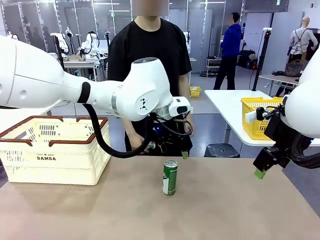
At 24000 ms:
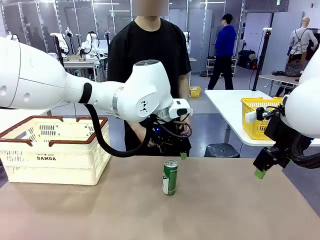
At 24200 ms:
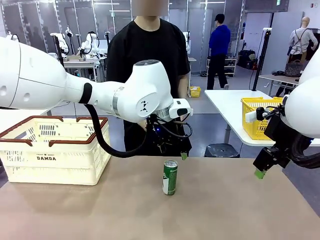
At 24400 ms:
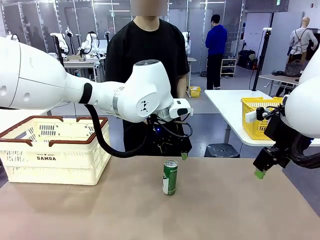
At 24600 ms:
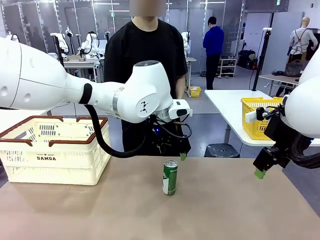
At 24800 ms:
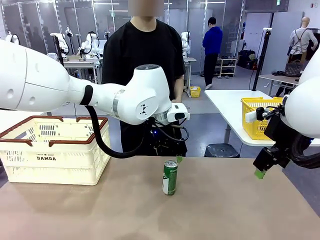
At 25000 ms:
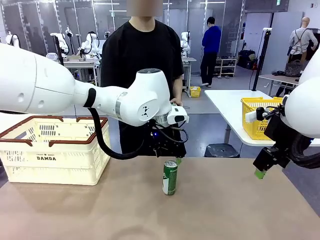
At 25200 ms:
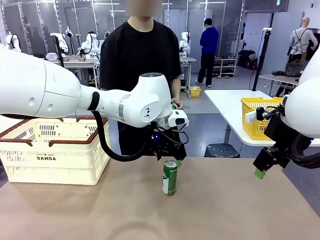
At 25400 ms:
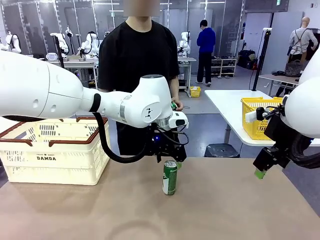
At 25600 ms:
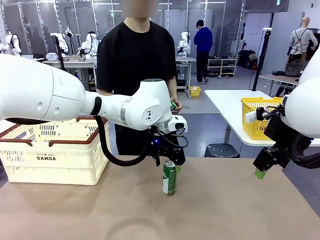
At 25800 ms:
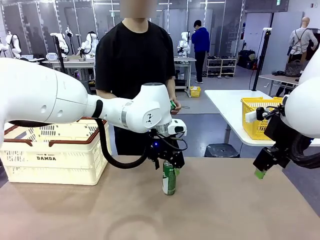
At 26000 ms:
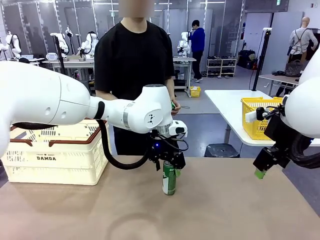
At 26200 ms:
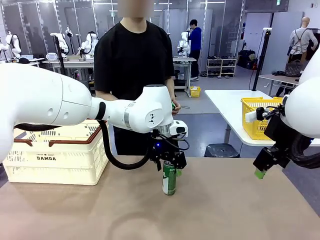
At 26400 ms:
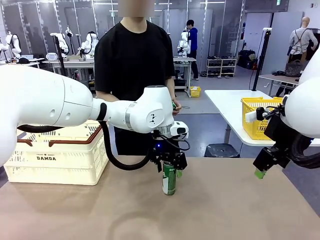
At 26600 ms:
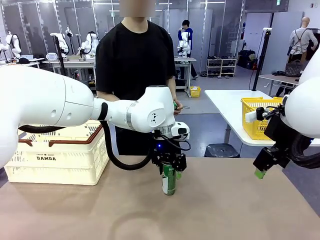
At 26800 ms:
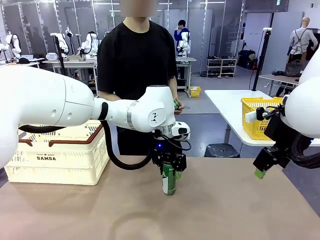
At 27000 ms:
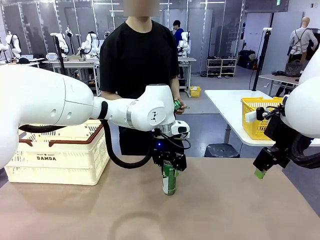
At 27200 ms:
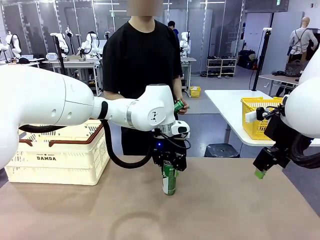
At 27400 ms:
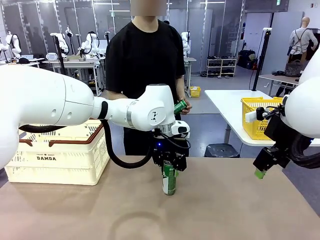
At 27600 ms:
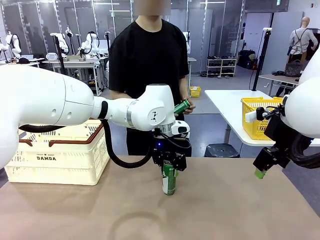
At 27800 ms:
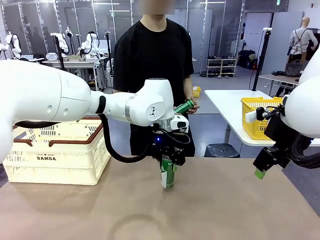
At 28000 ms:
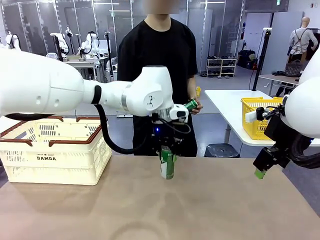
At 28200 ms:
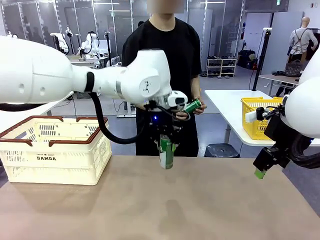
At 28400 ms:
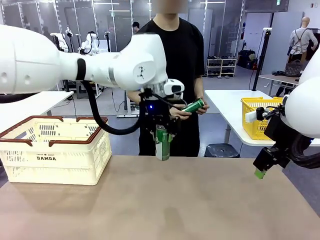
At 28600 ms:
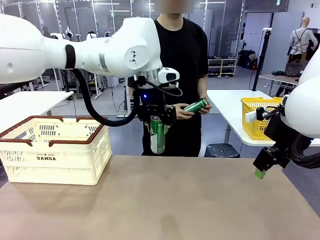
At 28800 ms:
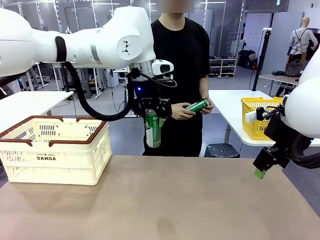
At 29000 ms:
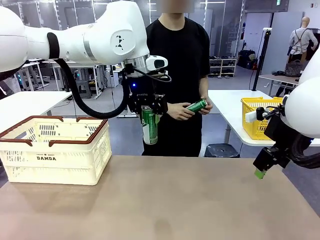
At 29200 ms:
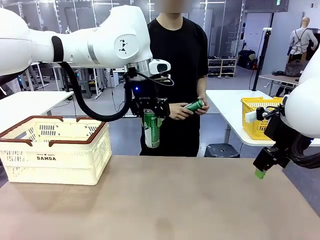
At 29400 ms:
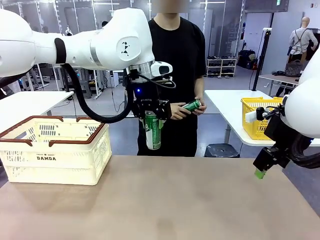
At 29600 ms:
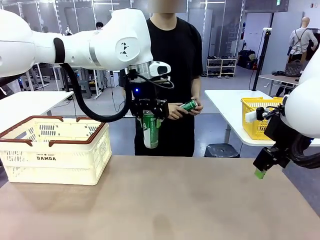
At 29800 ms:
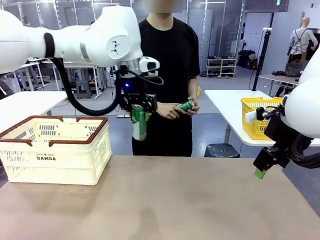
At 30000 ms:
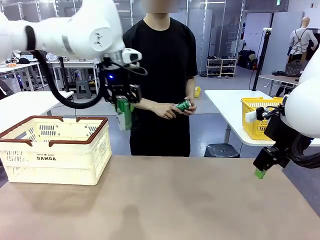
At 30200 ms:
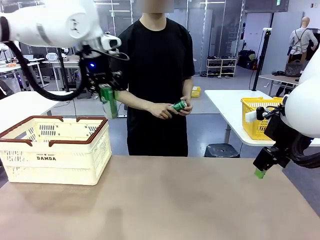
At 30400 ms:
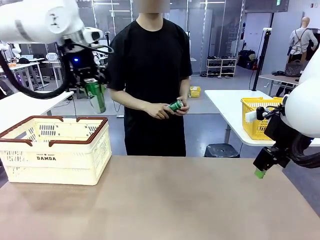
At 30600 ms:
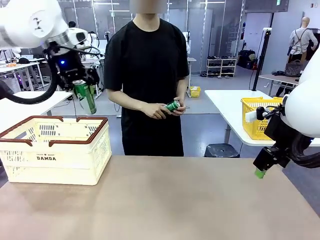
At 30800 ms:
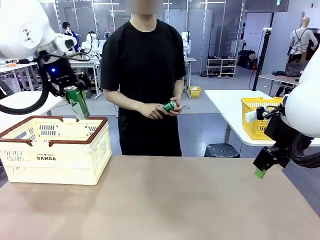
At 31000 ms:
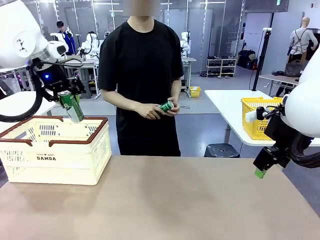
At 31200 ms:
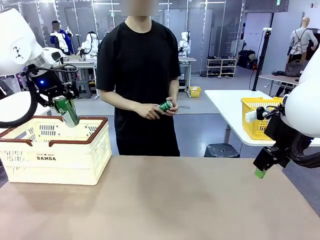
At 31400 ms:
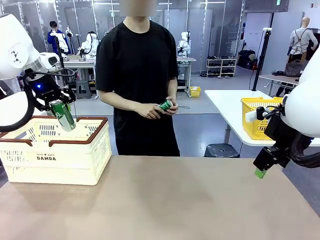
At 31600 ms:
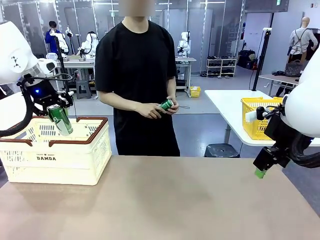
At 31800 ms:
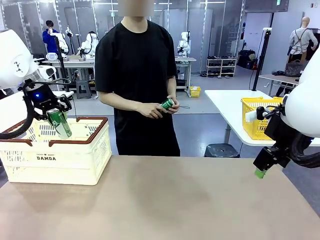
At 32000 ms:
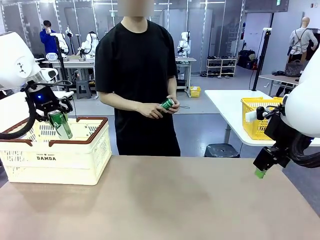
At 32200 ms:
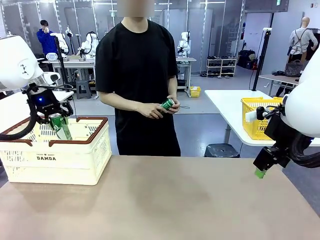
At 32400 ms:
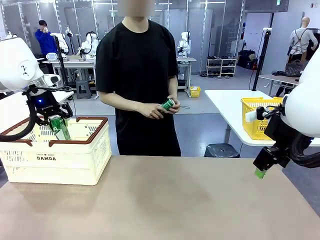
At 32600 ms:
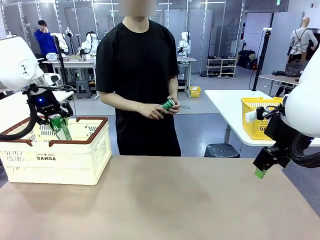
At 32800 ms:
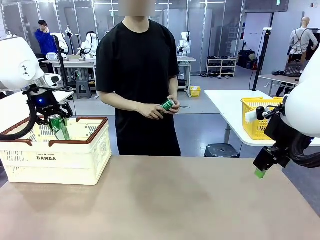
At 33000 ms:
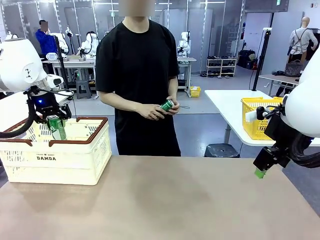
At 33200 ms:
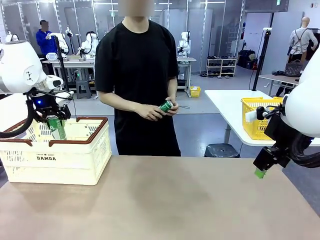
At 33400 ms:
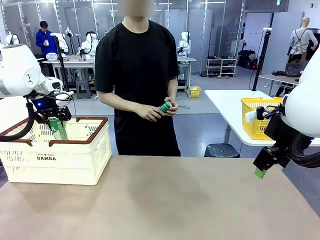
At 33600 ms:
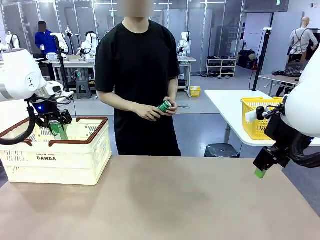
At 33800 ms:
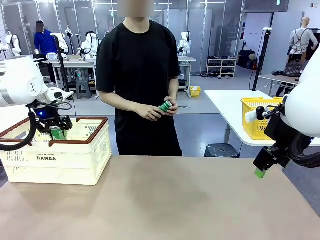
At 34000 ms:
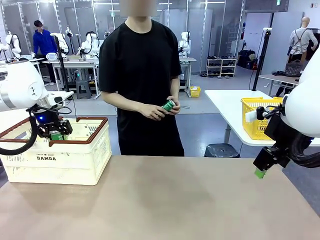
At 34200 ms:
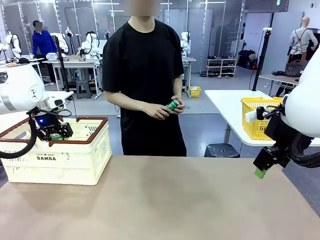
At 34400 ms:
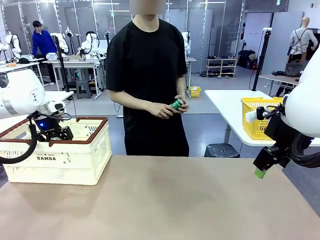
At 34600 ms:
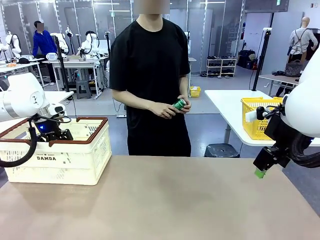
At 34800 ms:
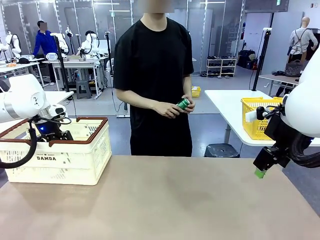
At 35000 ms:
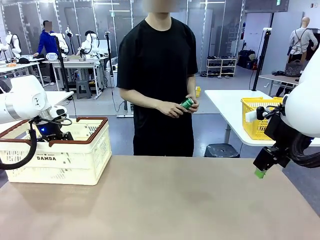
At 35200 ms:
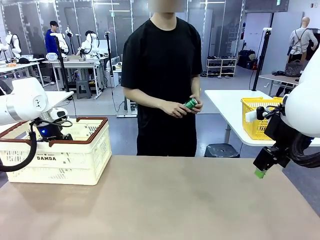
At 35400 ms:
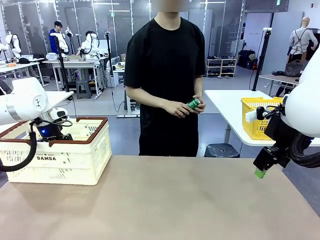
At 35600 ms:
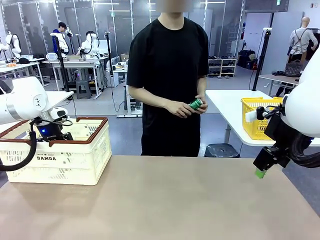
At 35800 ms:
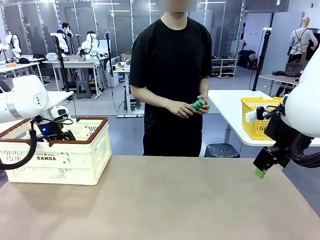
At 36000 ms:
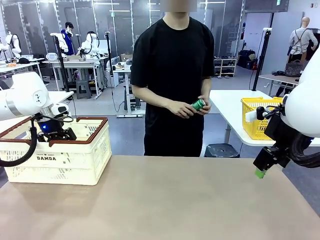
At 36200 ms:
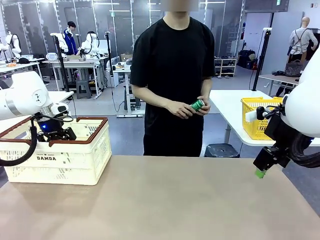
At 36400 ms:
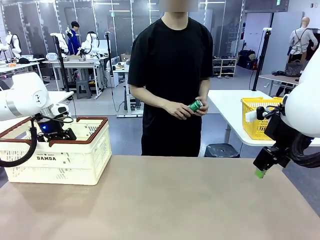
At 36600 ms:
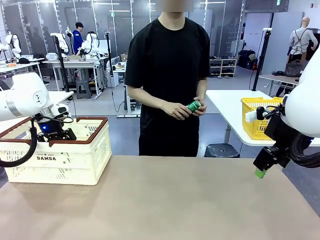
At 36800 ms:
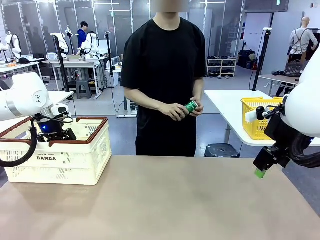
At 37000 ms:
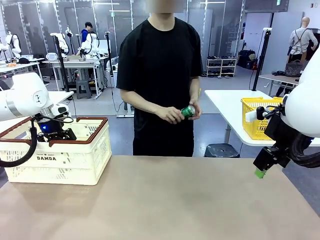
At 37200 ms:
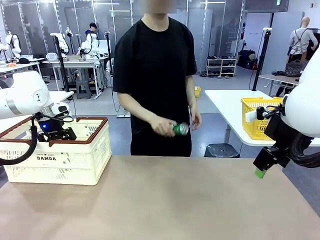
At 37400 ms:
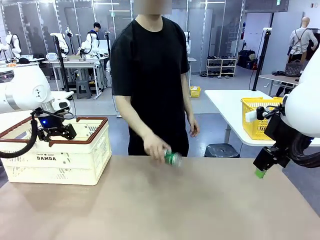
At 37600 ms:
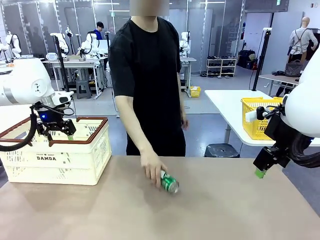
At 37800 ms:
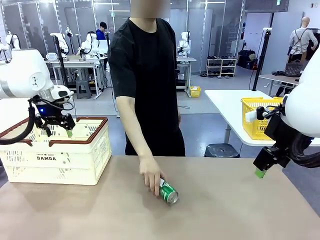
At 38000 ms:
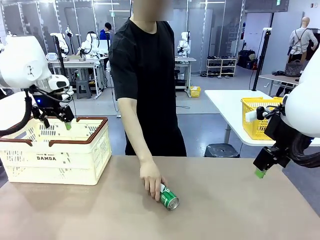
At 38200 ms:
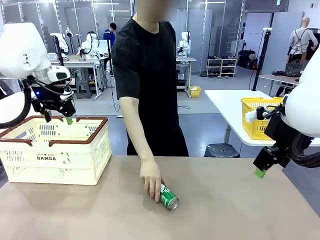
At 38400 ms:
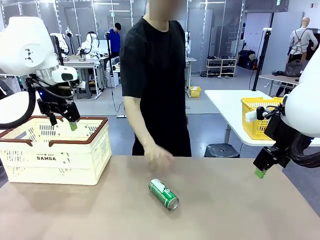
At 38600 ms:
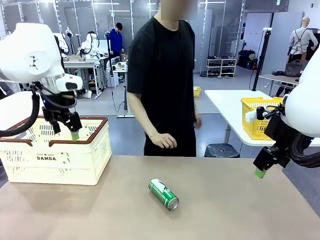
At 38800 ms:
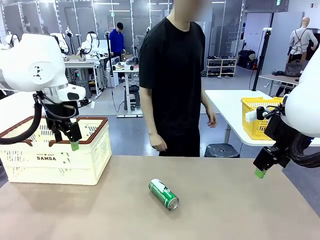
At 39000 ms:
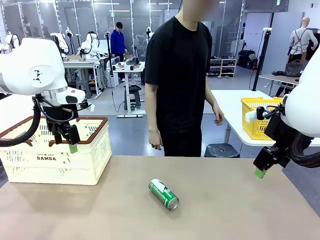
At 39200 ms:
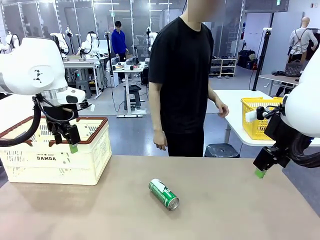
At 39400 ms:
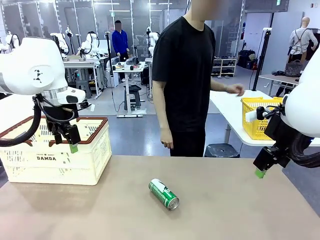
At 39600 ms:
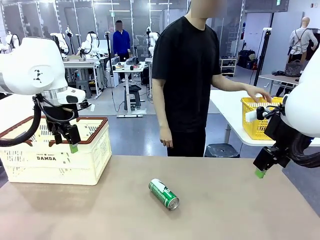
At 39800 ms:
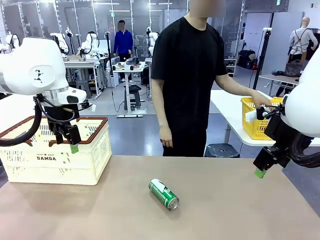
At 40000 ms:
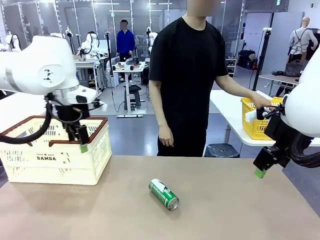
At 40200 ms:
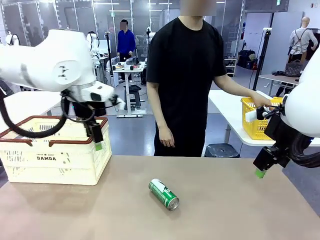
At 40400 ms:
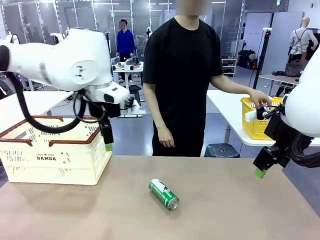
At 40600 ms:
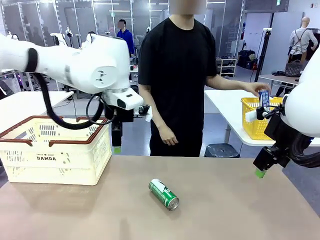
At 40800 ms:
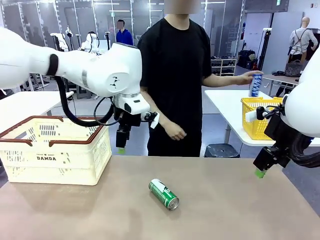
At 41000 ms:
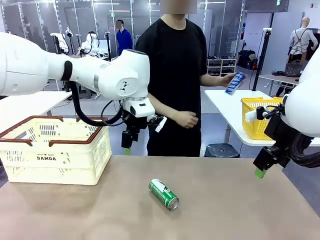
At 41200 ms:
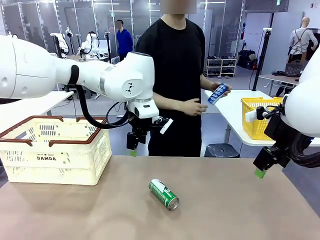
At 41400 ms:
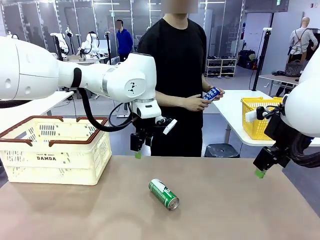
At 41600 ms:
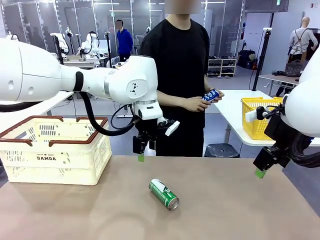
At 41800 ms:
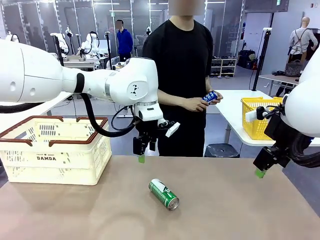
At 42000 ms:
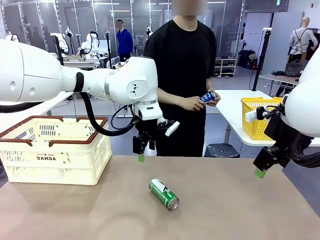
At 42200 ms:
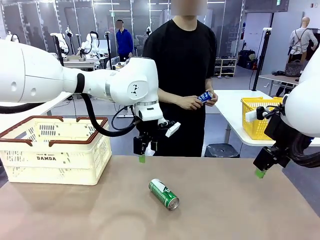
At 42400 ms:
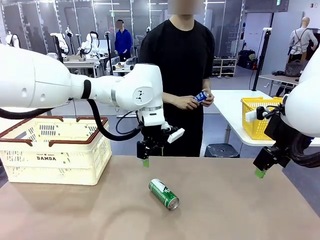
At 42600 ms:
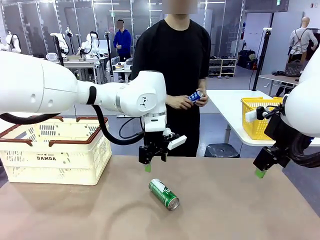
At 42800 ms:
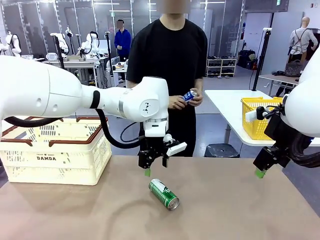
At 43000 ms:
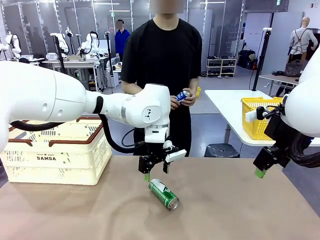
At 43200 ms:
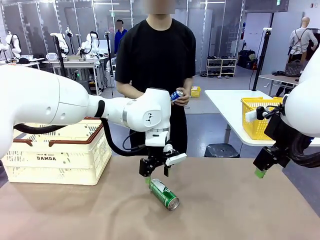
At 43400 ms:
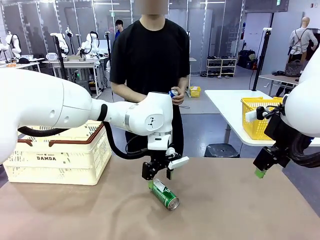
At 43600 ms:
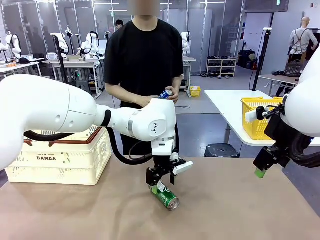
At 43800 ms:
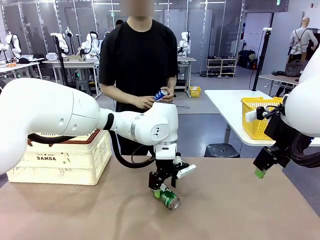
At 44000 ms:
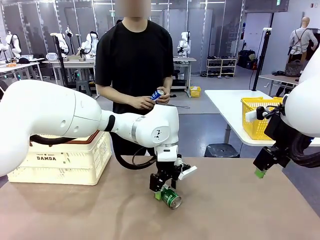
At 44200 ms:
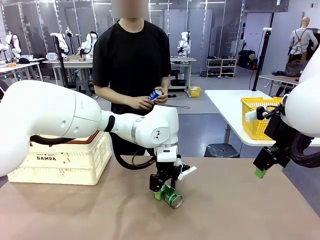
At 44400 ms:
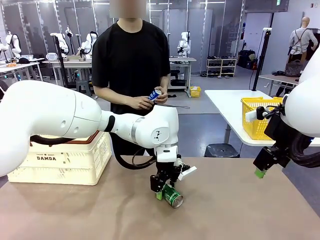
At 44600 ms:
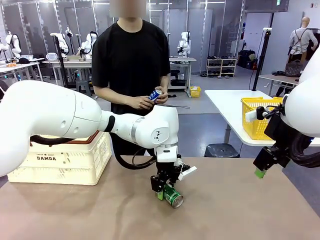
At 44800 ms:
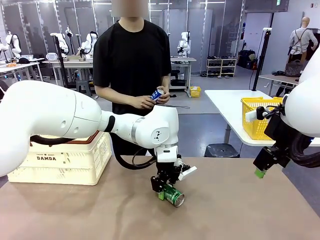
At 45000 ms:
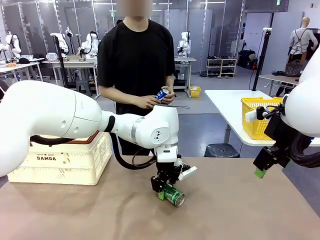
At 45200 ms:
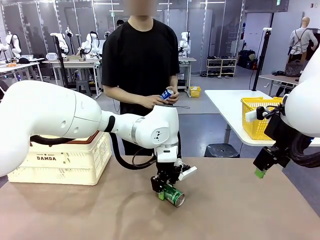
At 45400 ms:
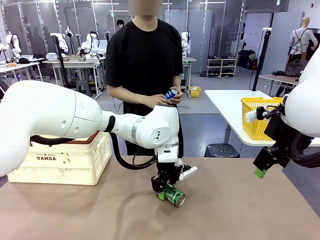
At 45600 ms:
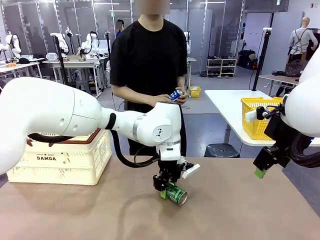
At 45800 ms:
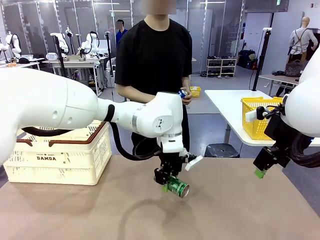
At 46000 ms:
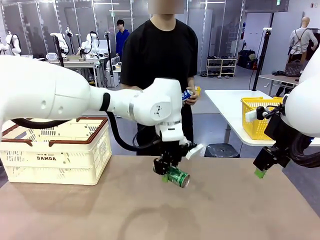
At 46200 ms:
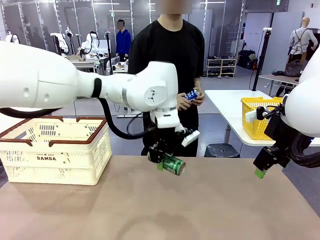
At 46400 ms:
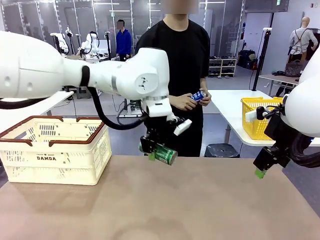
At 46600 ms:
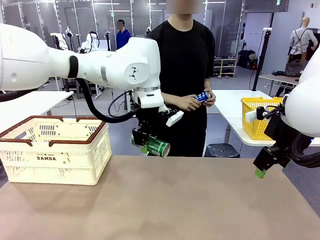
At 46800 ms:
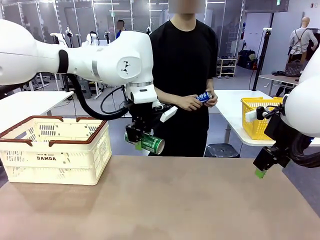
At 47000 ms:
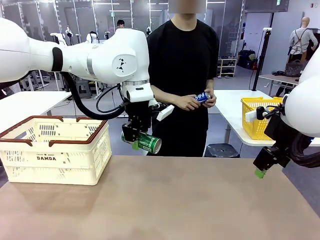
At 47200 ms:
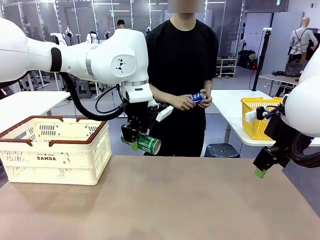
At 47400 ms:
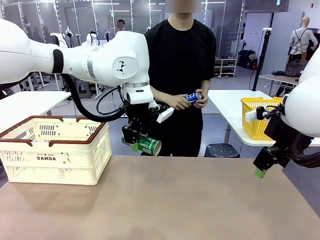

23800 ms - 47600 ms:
Task: Place the drinks into the Shopping basket.
Robot: Pick up one drink and place it into the Shopping basket.
